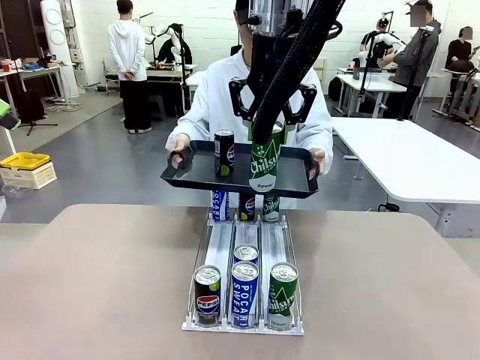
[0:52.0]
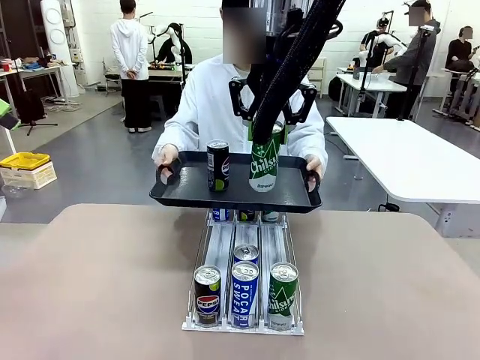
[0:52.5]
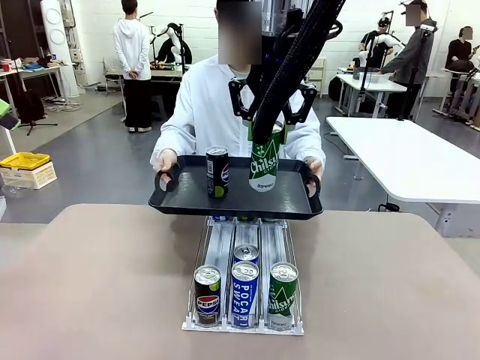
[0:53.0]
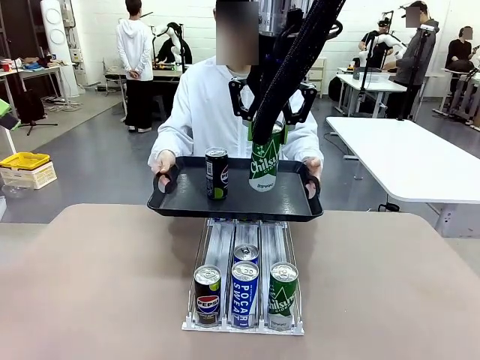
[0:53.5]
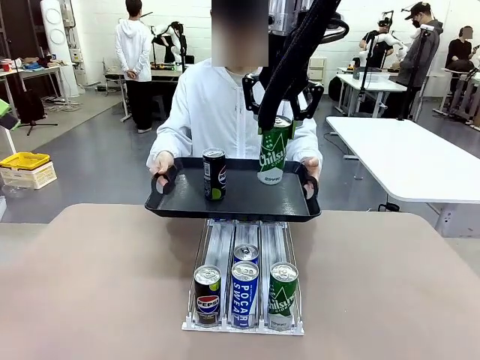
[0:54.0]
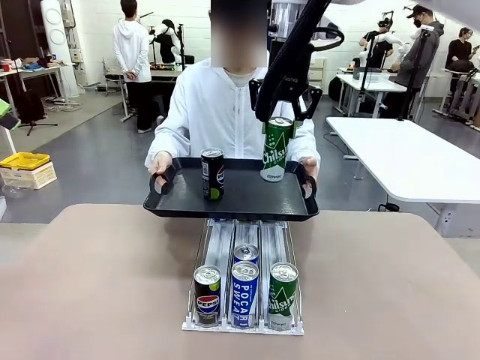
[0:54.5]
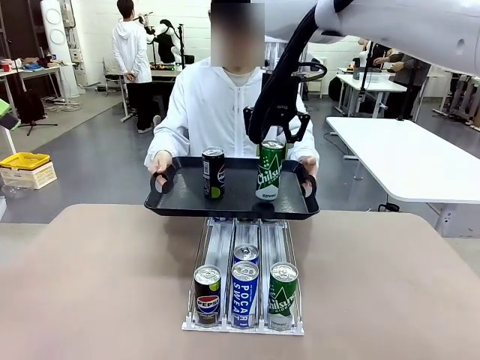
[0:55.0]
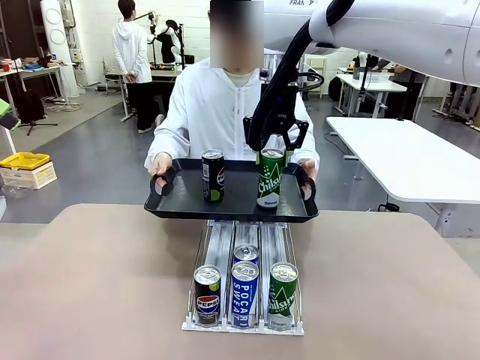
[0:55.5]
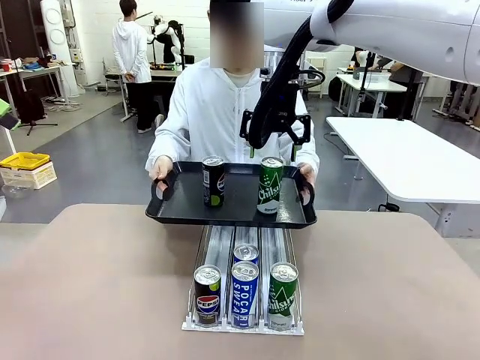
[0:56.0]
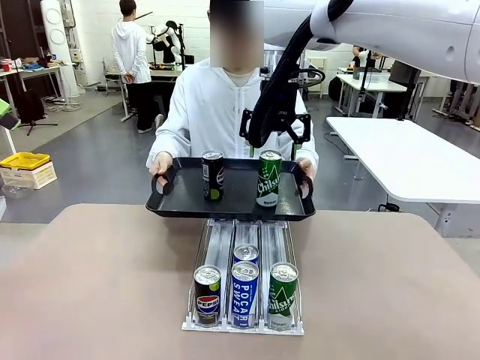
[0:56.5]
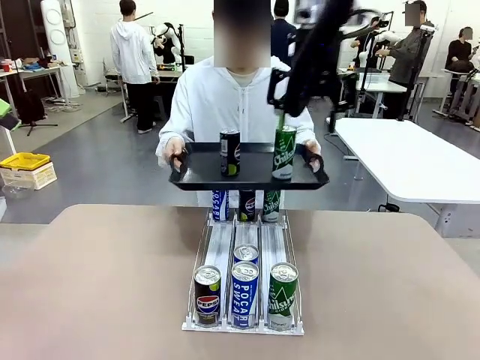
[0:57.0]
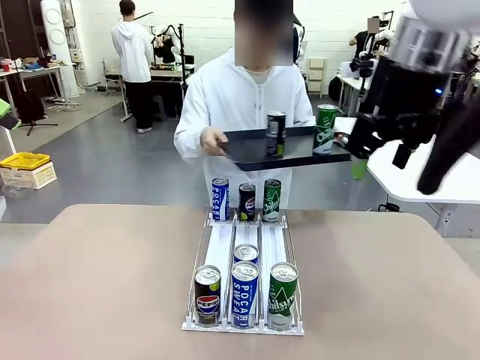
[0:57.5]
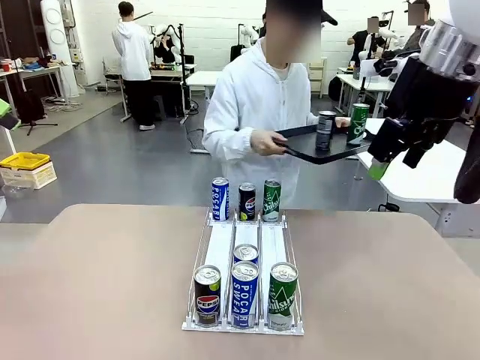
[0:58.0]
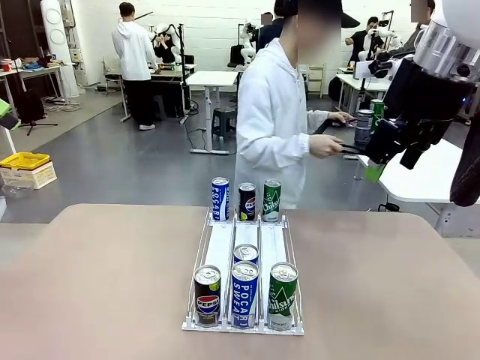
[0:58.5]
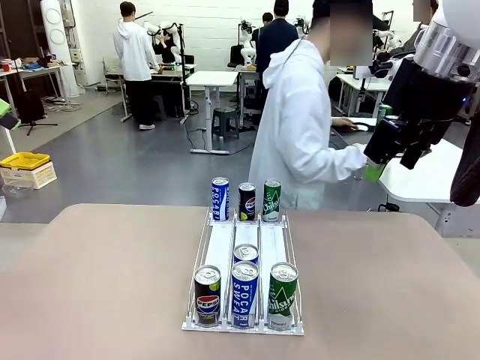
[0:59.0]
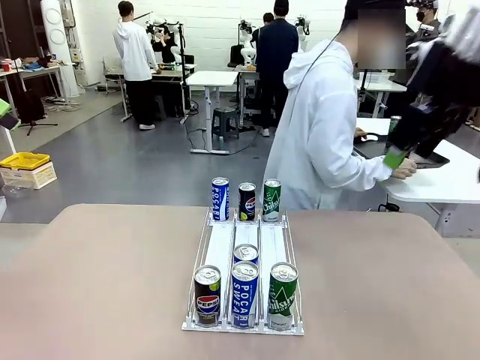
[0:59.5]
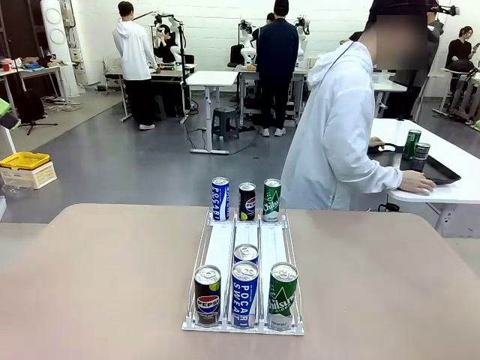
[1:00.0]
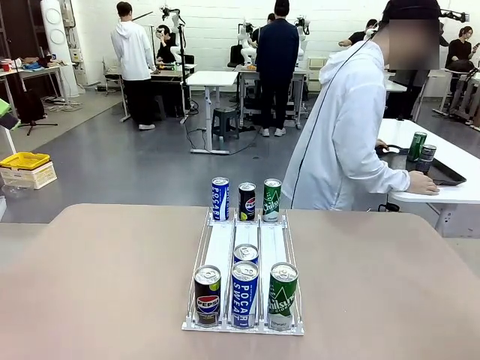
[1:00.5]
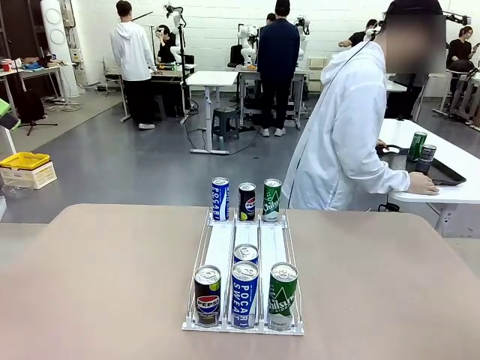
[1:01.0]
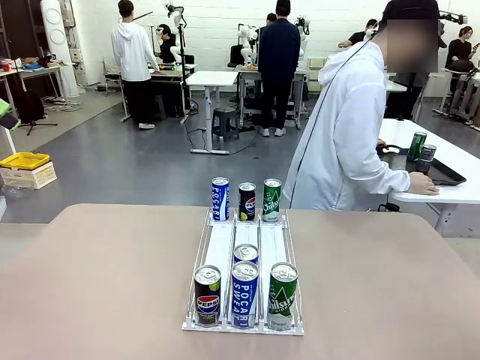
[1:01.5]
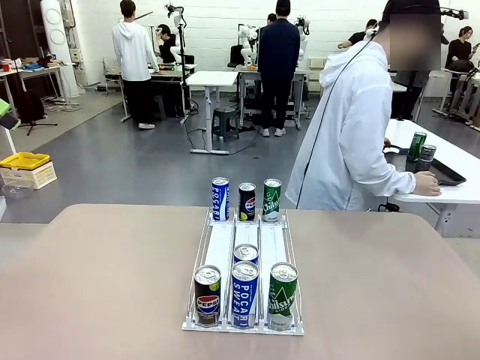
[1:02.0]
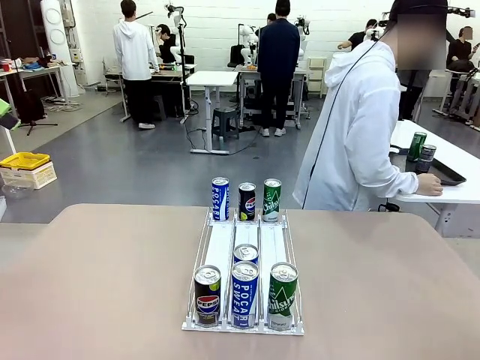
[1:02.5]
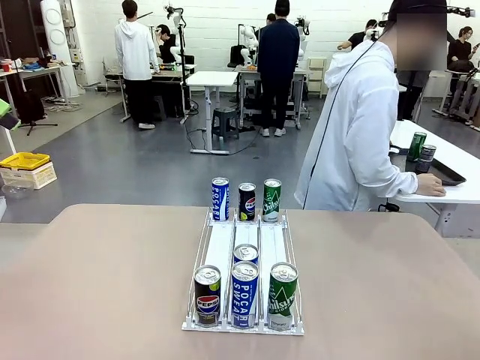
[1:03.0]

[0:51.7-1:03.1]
Task: Retrieve and hand over the desired beverage to the person.
Robot: Place the picked can on the Handle tray extended by the person.
Person: Pull the tray back and place it at the center of the human table.

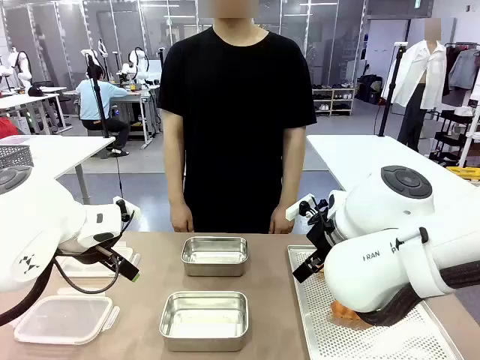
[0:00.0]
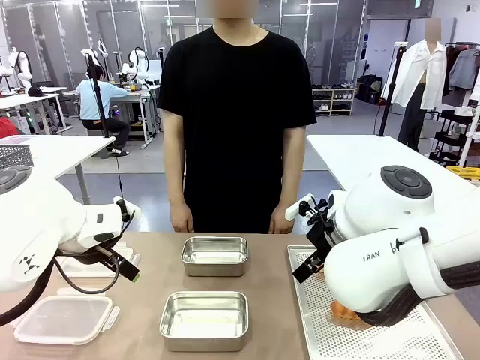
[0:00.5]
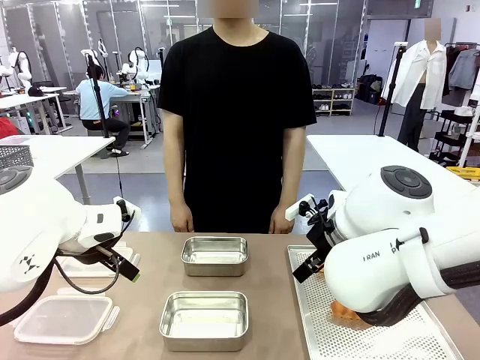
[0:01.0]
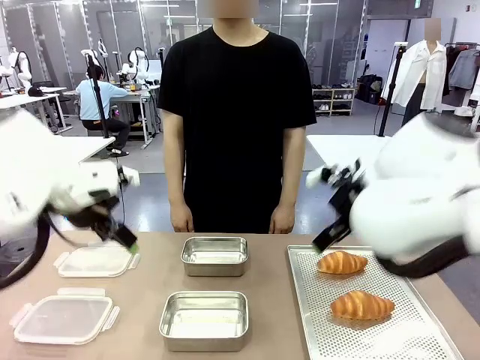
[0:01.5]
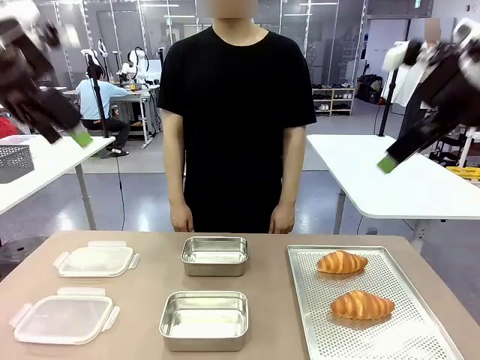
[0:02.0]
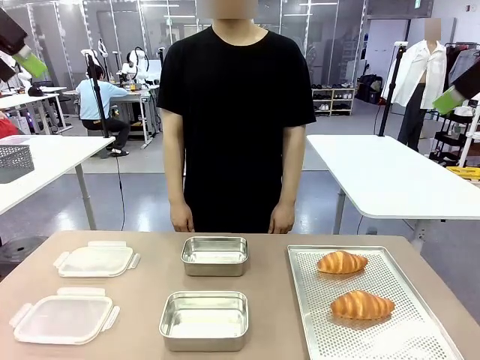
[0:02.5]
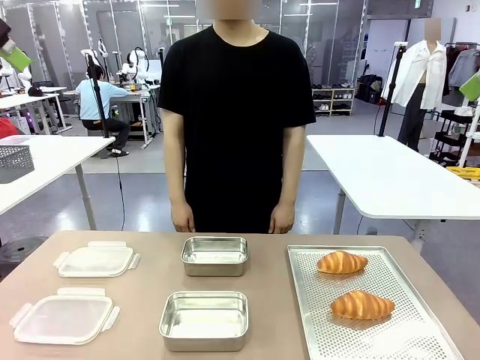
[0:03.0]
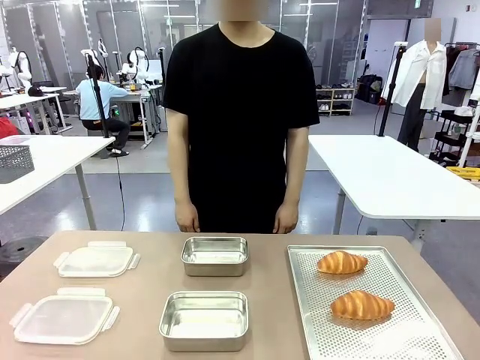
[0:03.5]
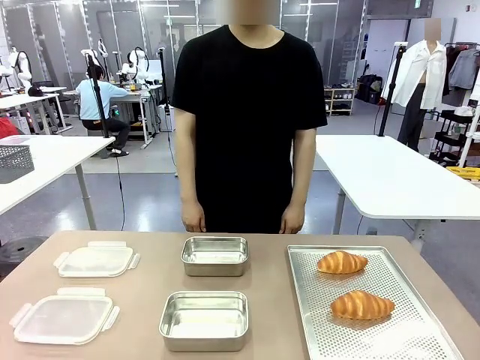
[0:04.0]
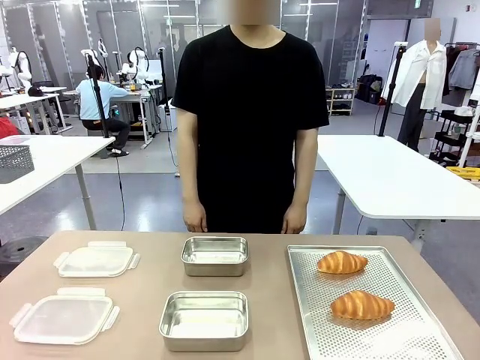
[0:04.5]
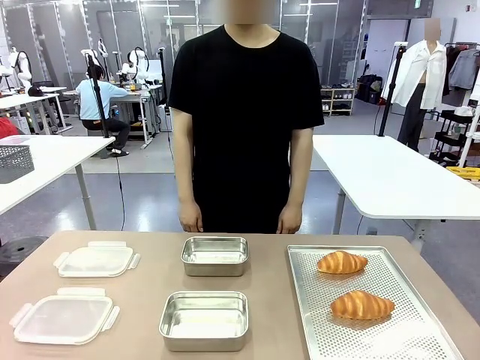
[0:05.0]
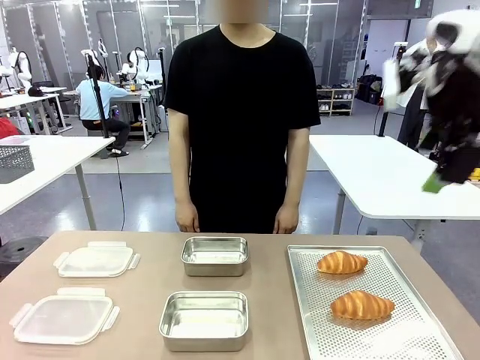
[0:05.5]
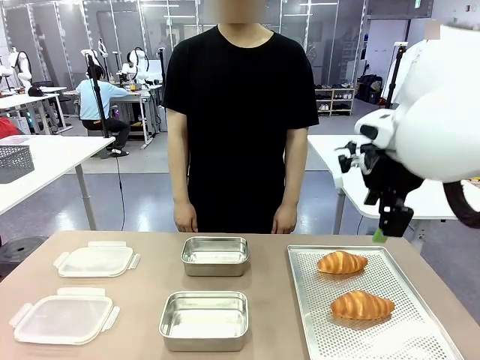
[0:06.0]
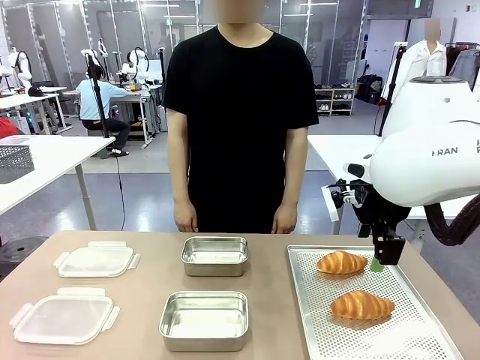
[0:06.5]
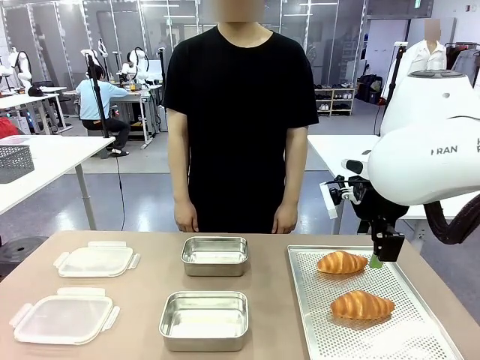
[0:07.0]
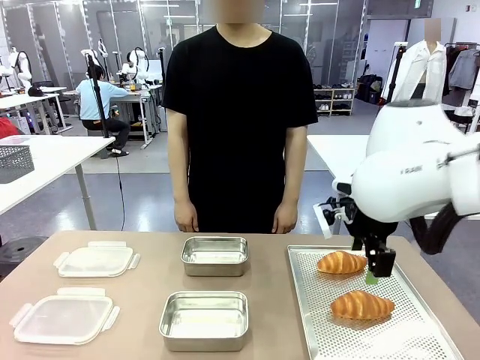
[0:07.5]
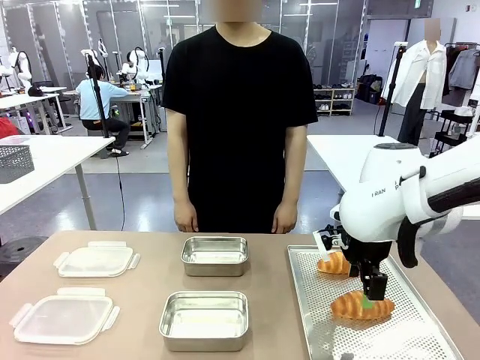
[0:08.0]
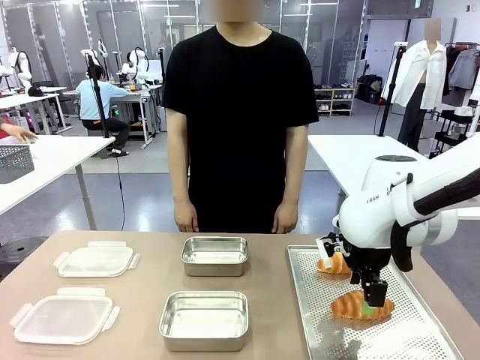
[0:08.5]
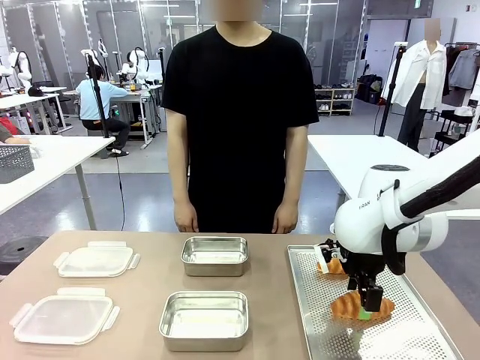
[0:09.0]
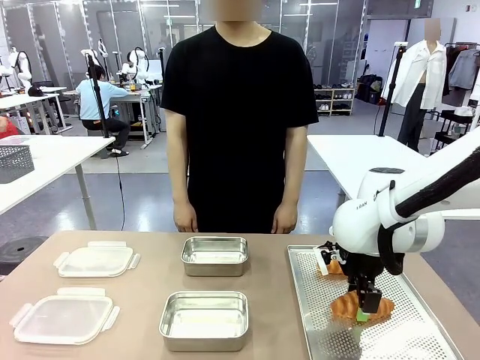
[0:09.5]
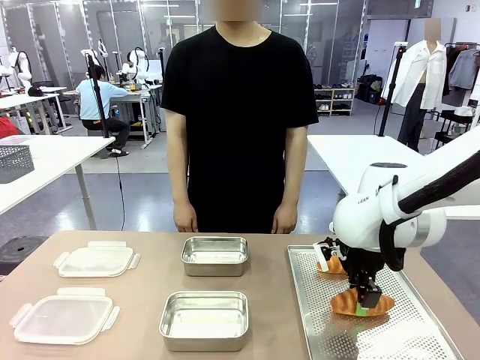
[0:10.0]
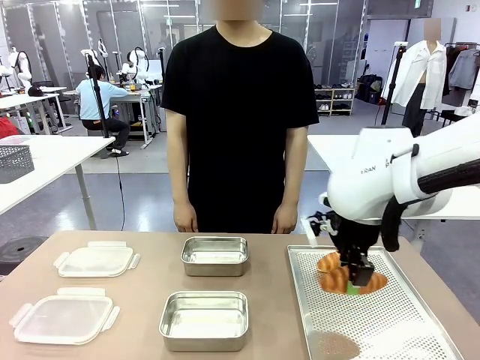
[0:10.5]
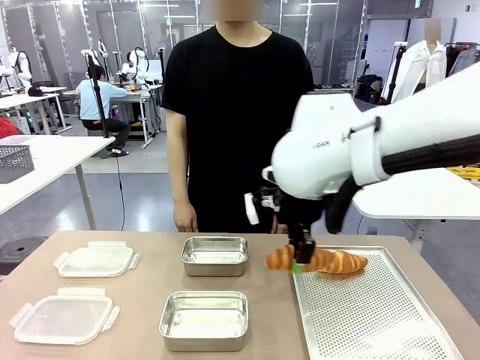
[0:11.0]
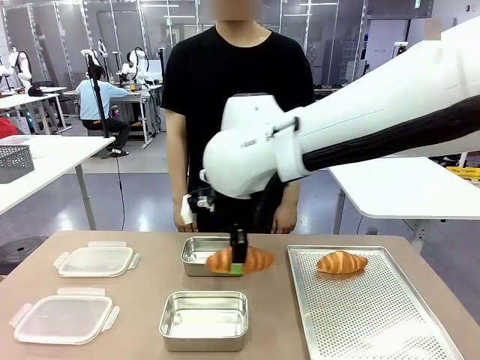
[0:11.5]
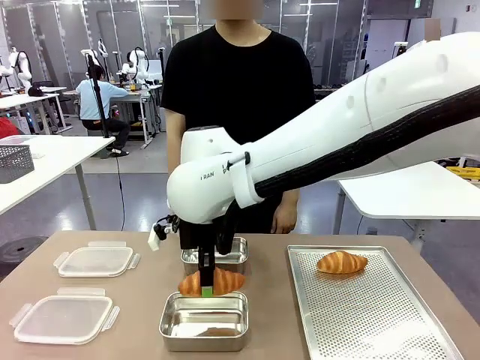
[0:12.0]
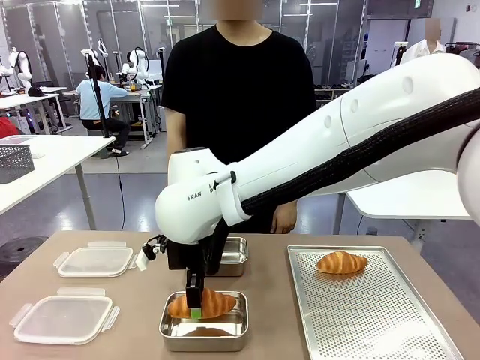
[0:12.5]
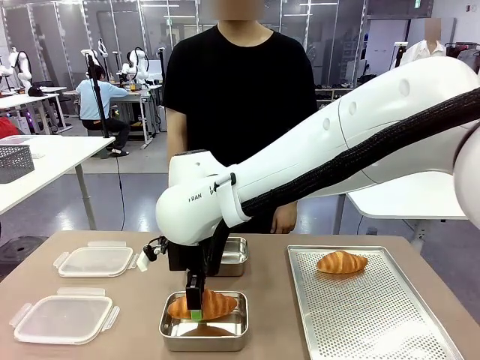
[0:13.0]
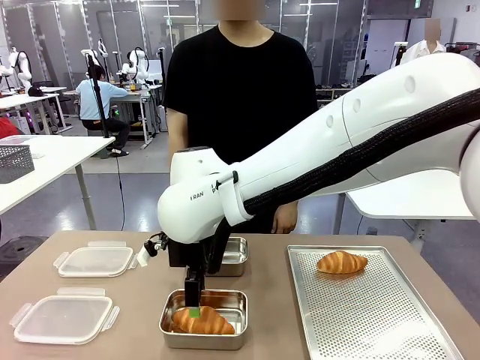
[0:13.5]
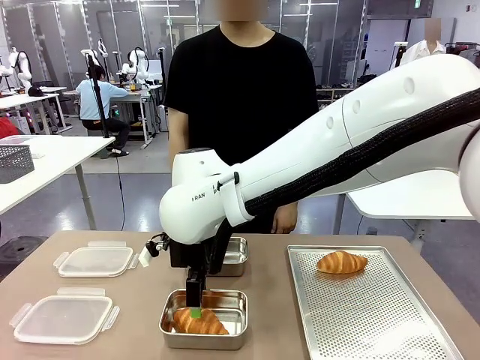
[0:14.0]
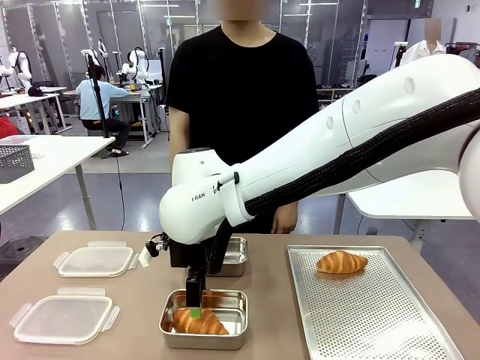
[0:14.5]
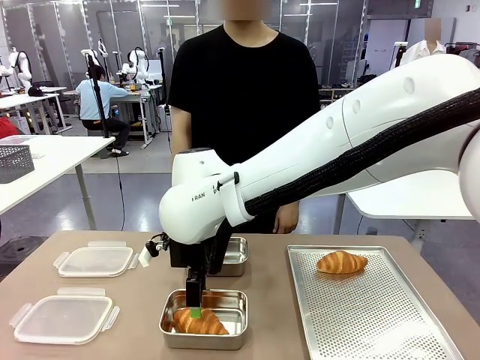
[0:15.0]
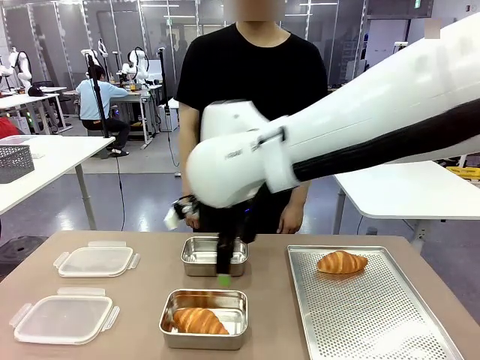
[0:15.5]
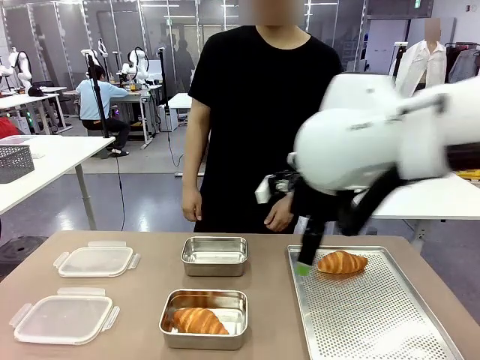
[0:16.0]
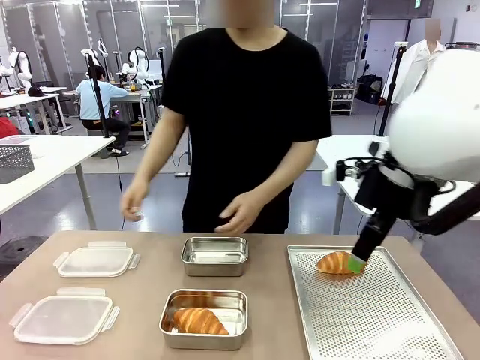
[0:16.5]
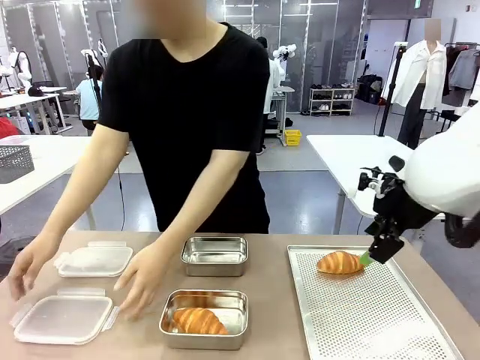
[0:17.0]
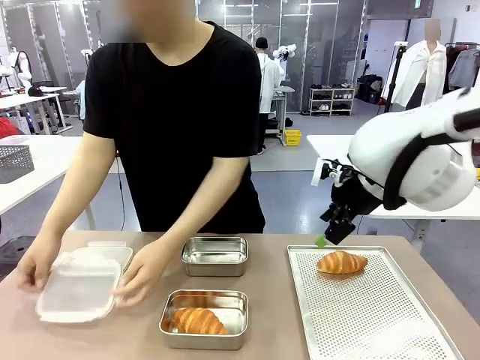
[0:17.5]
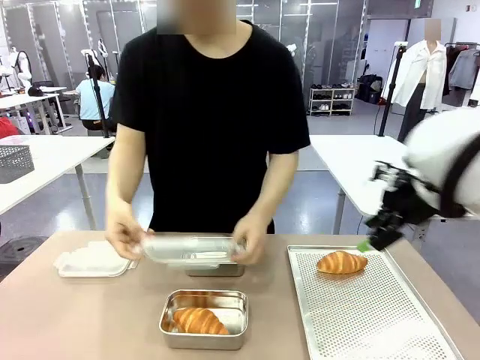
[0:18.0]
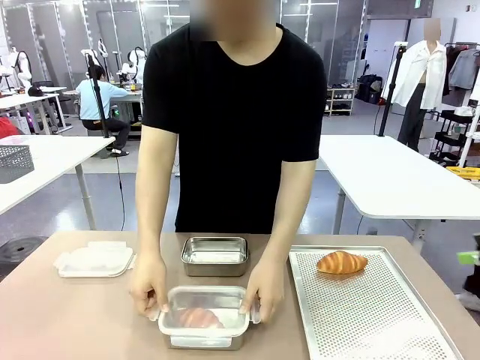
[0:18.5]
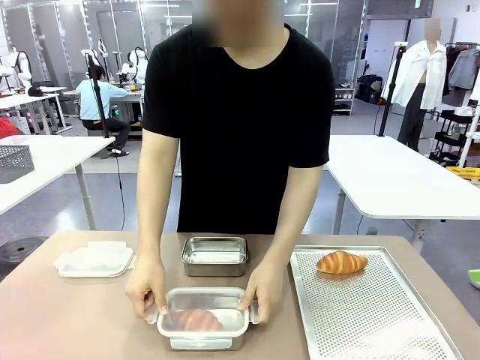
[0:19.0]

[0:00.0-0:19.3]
Task: Place the bread into the airtight container.
Robot: Pick up a Butter Roll and place it into an empty Airtight Container.
